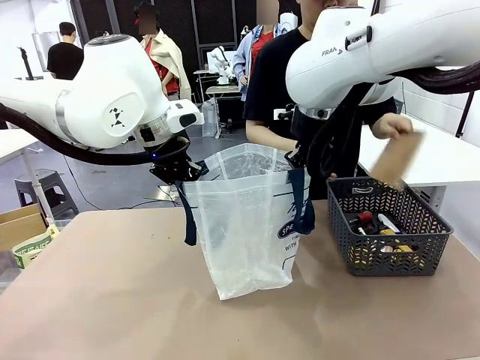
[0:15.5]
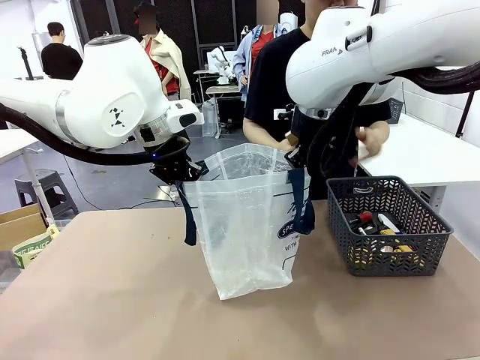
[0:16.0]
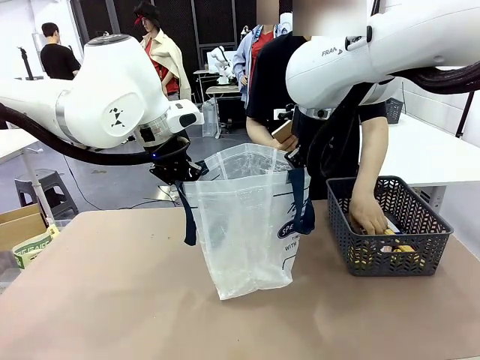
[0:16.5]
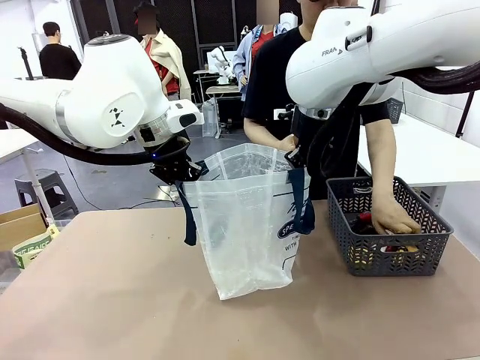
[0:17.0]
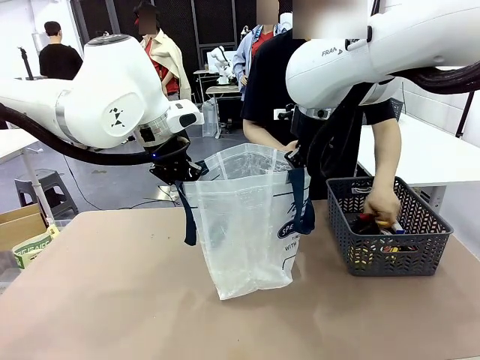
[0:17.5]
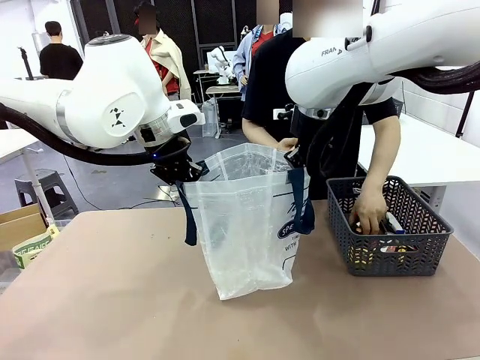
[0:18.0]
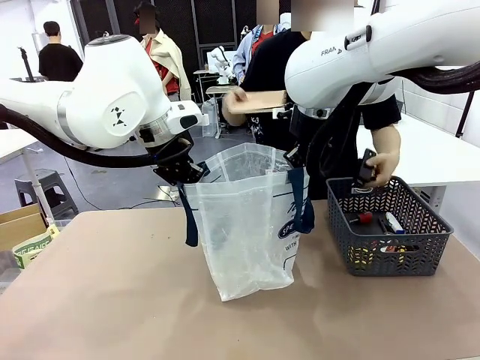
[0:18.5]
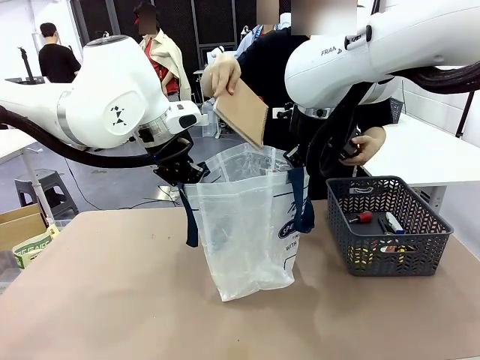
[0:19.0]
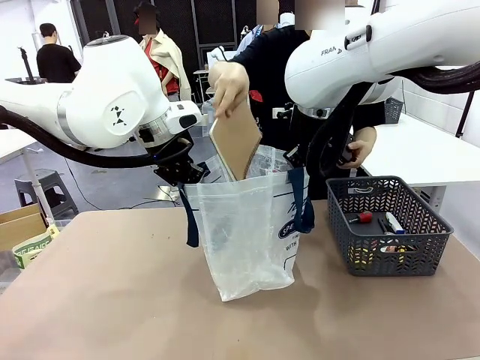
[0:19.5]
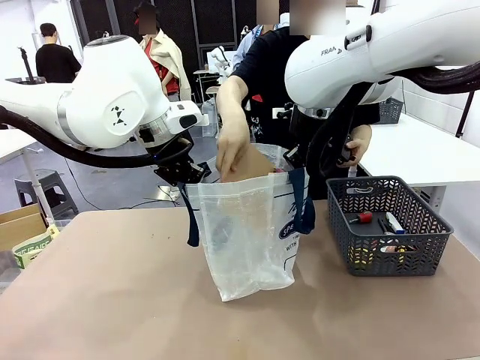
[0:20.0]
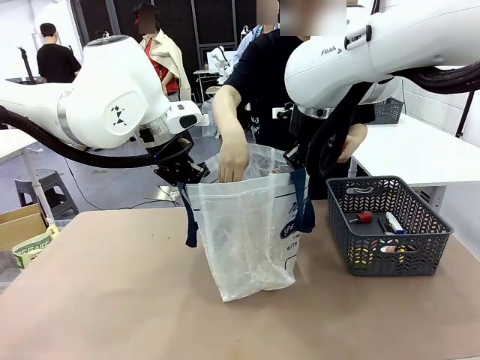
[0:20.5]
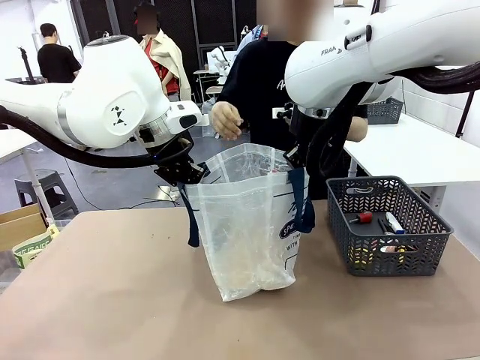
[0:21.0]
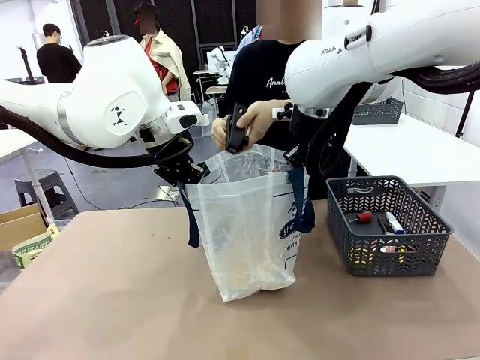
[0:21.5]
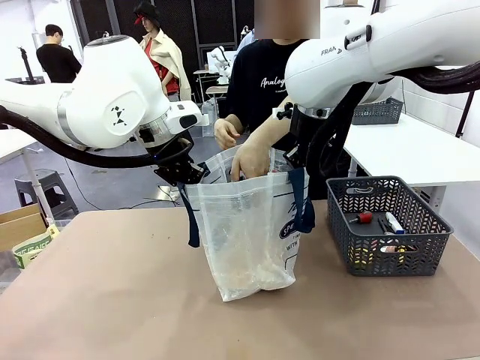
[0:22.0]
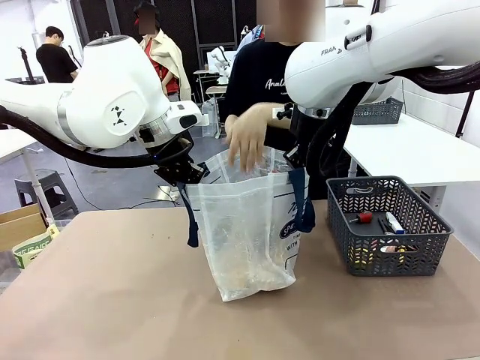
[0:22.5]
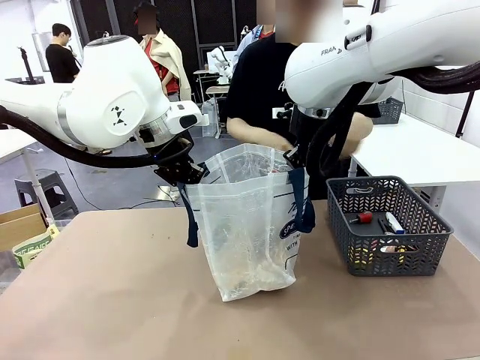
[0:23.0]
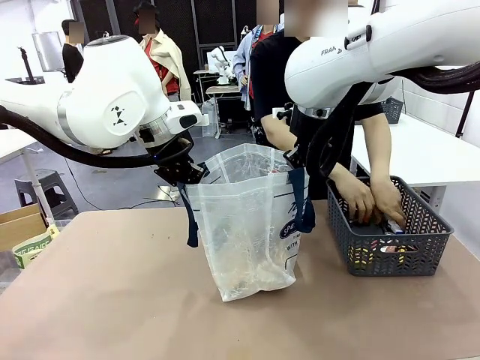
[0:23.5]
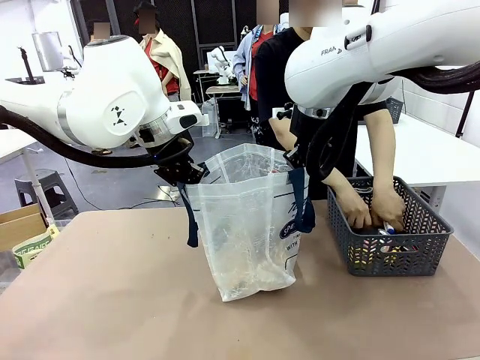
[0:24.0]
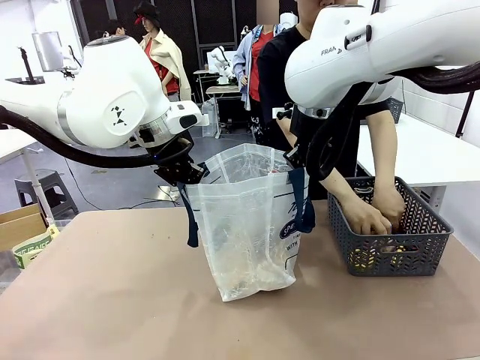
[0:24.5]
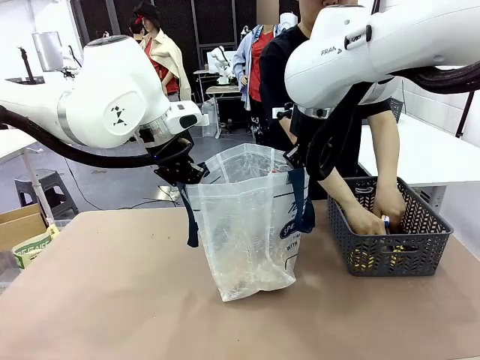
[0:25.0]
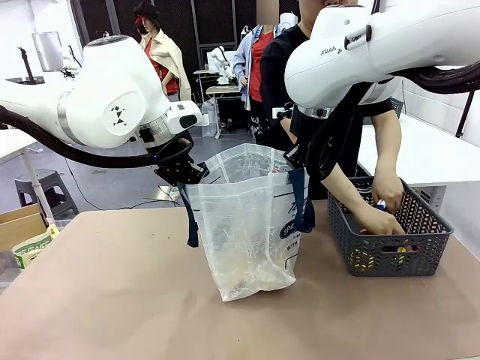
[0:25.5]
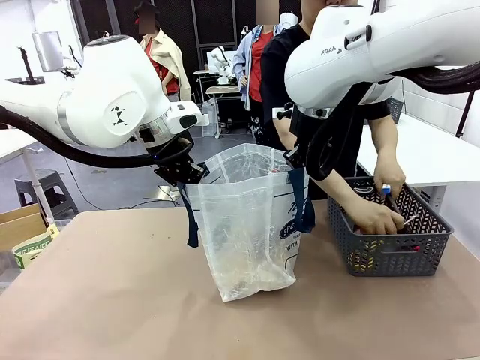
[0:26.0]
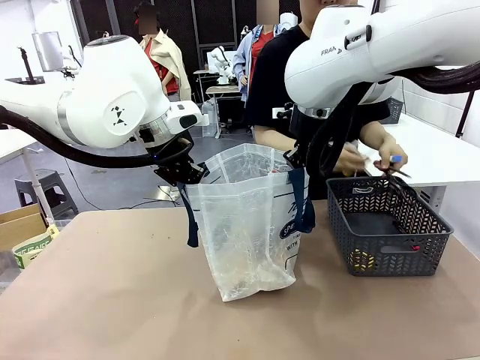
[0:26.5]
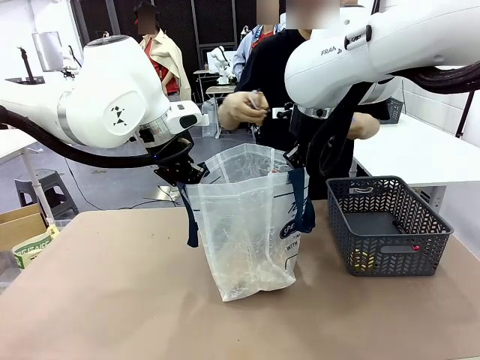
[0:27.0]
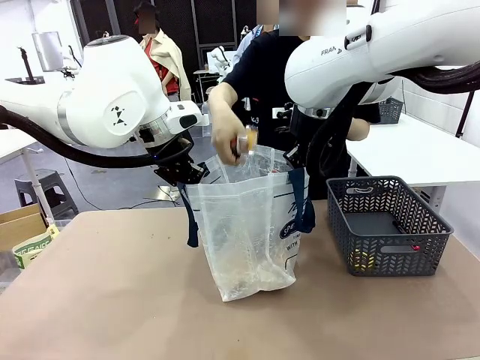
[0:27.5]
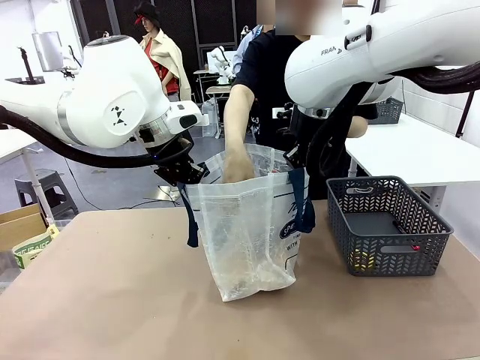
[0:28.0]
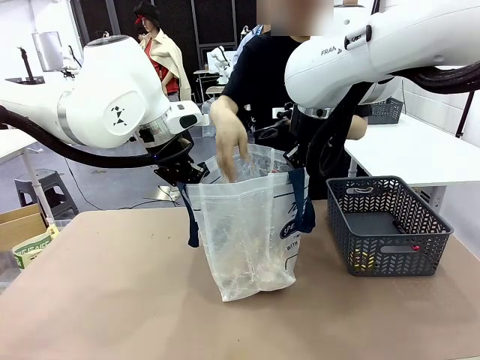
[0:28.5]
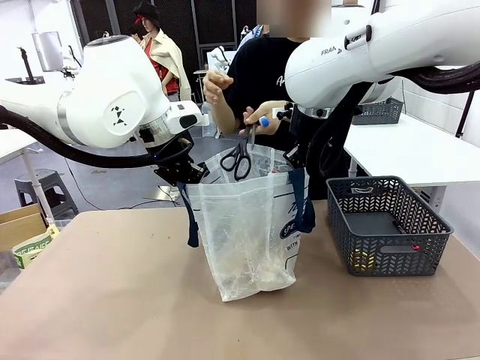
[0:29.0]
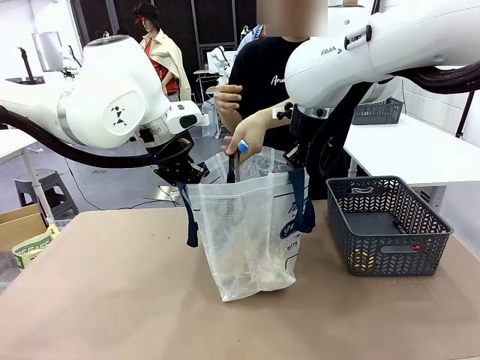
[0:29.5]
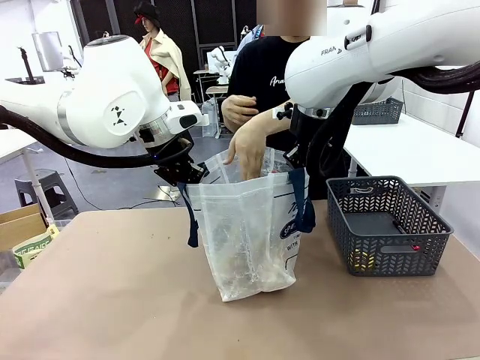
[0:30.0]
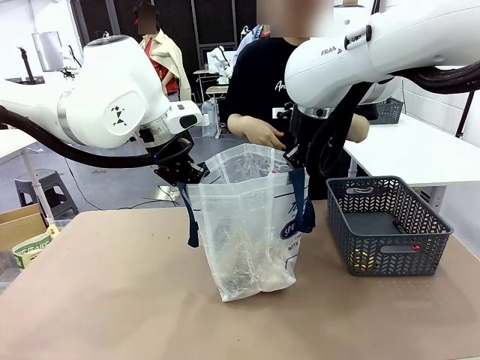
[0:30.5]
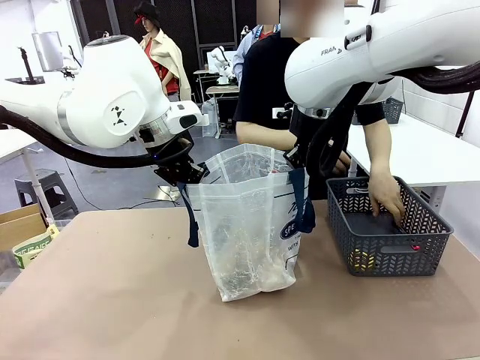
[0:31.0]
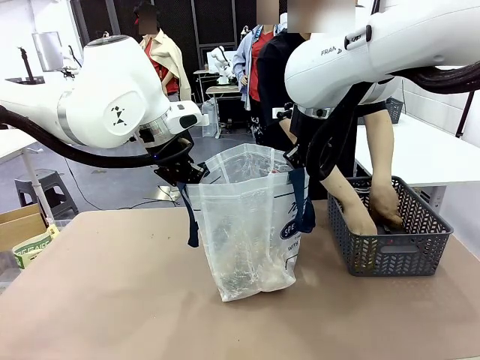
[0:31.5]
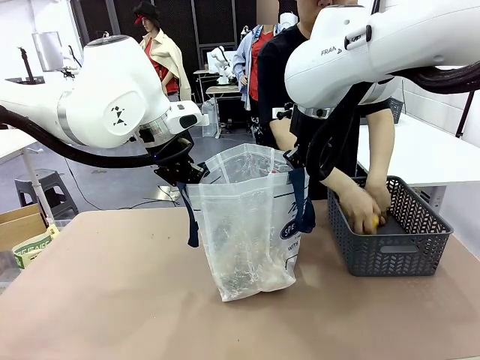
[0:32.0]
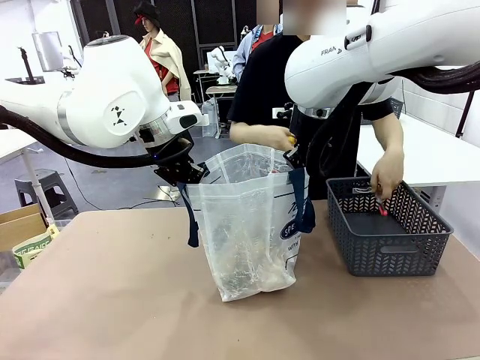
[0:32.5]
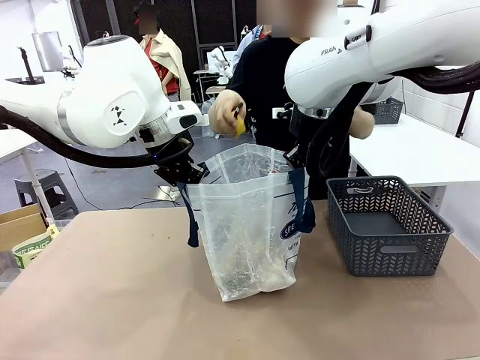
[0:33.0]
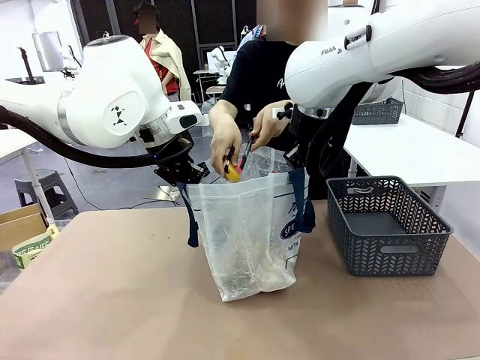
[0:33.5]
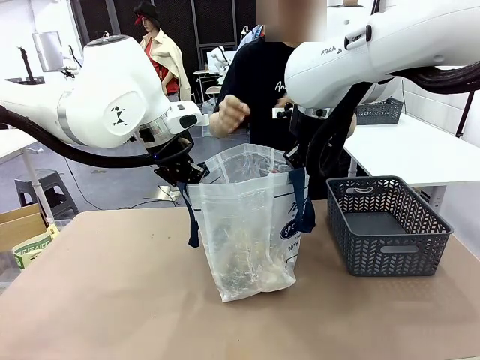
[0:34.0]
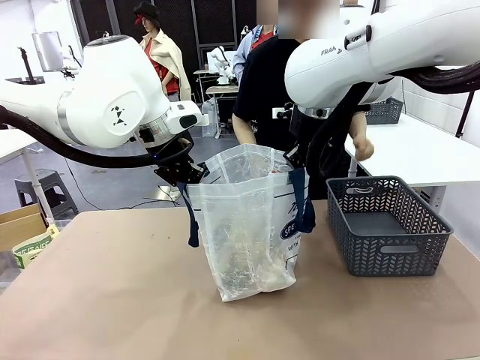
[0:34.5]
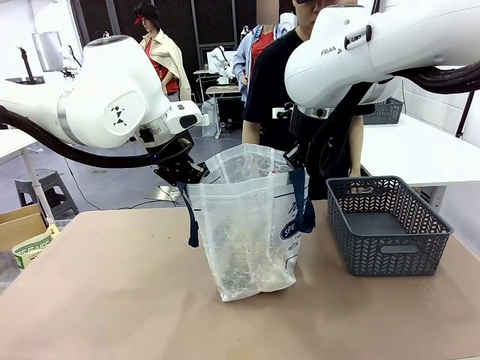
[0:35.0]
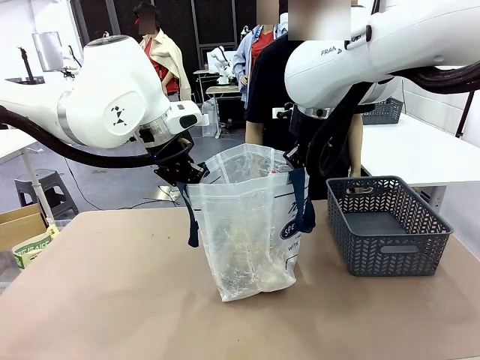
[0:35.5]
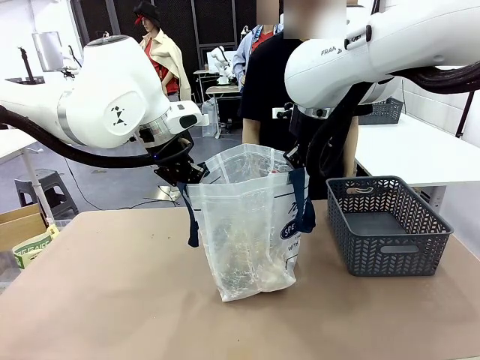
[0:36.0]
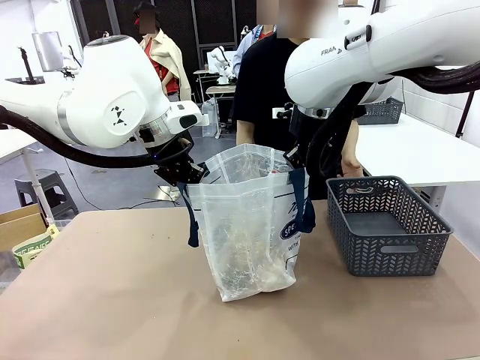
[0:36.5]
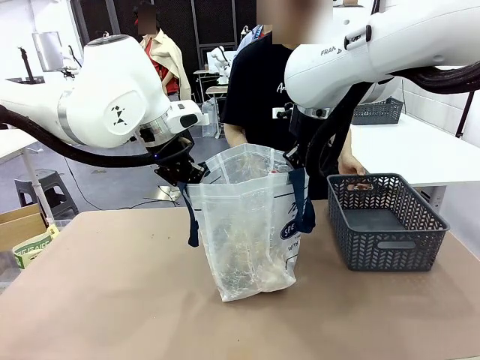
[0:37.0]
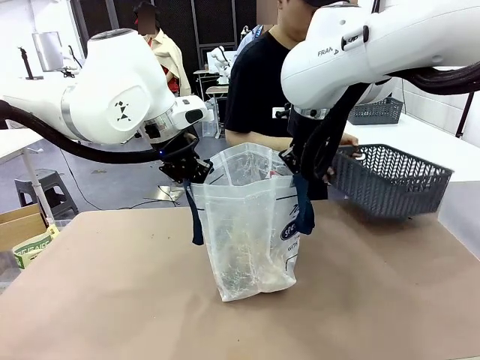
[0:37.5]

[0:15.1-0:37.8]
Task: Transfer purchased items from the store into the shopping bag.
Robot: Move the Reusable shopping bag to the right side of the table.
Person: Pick up the basket on the right, place it on the left side of the robot table, and move the items in the basket to the shopping bag.
